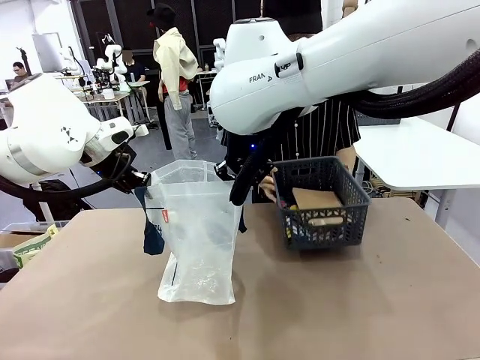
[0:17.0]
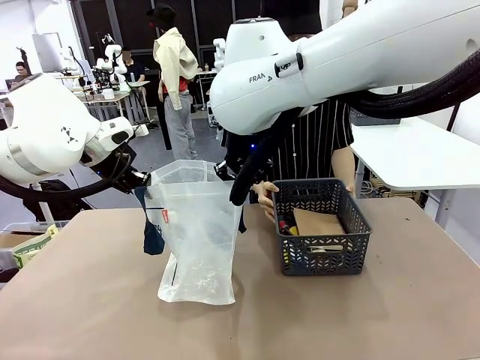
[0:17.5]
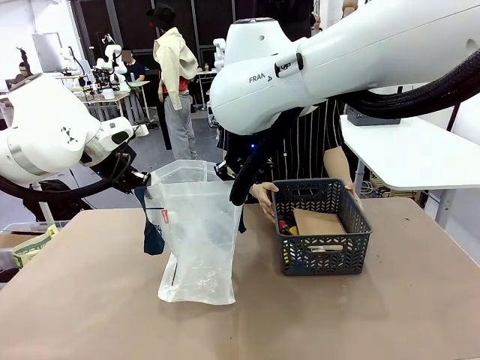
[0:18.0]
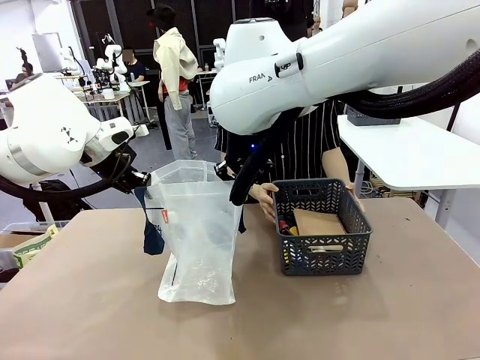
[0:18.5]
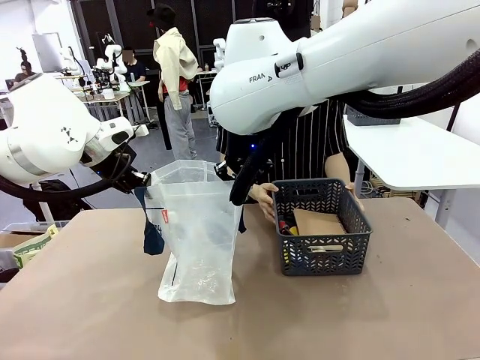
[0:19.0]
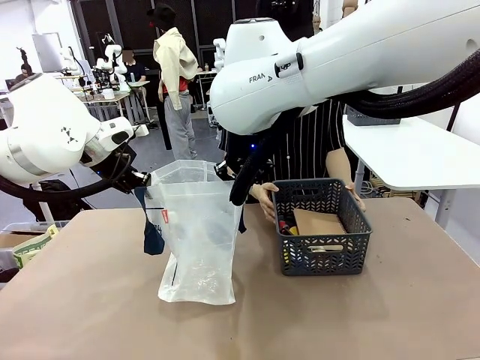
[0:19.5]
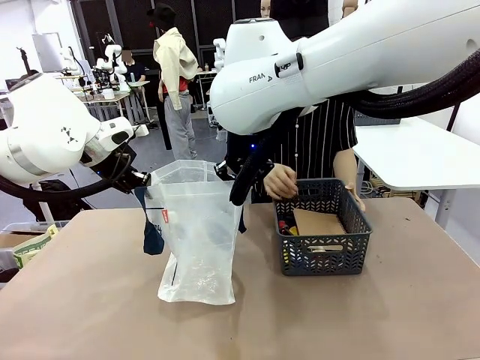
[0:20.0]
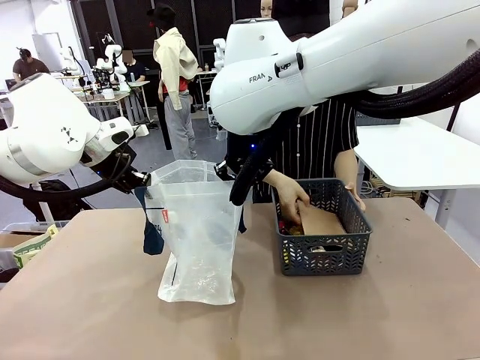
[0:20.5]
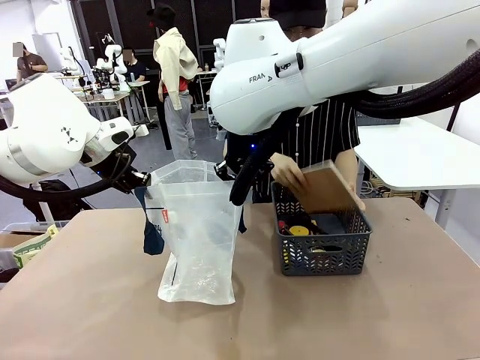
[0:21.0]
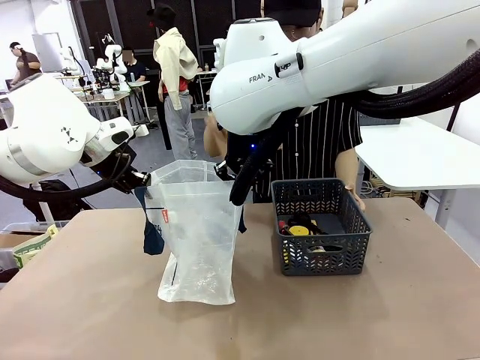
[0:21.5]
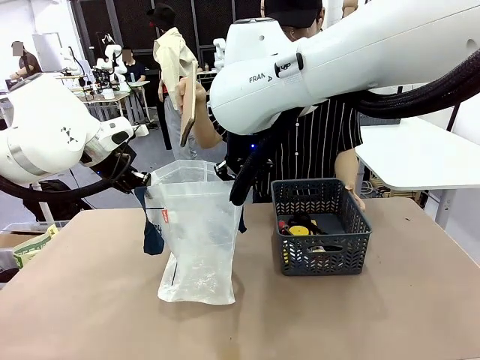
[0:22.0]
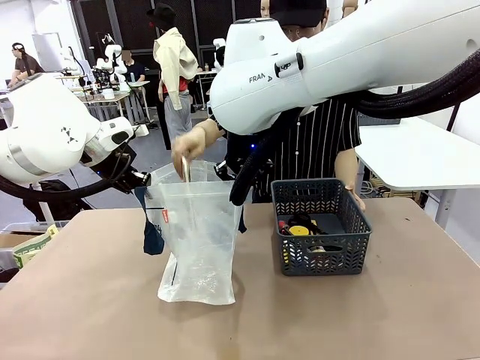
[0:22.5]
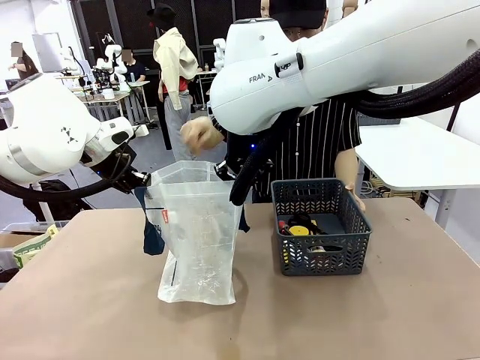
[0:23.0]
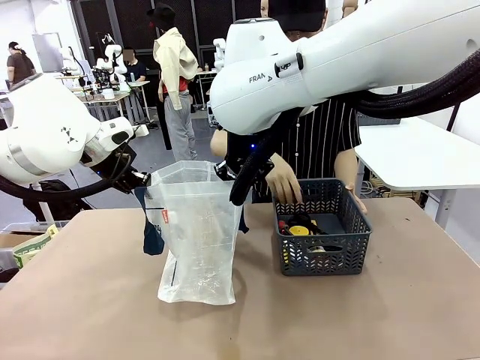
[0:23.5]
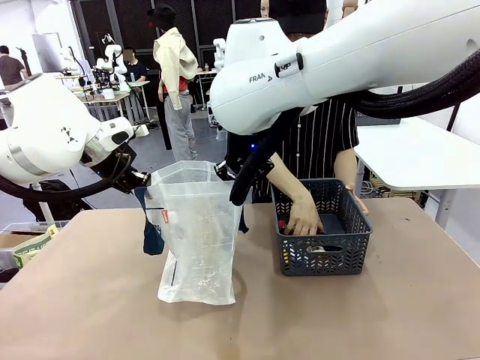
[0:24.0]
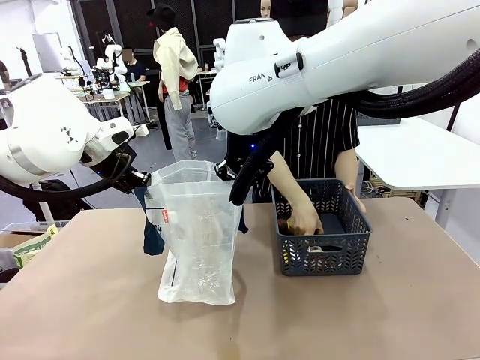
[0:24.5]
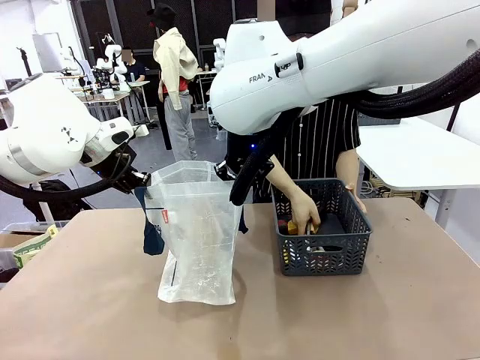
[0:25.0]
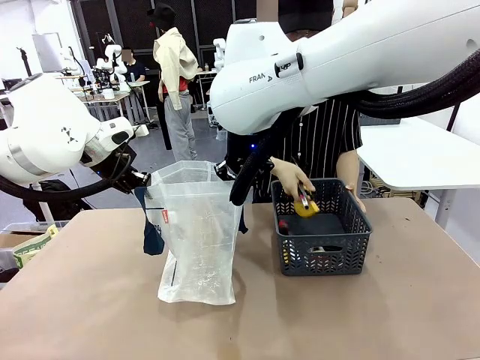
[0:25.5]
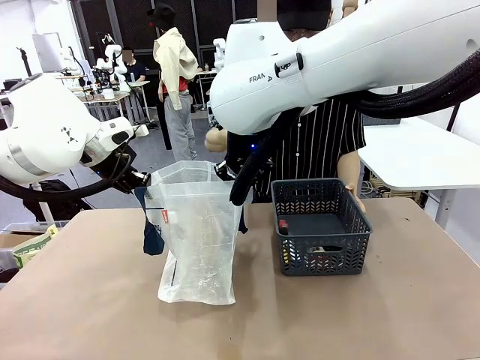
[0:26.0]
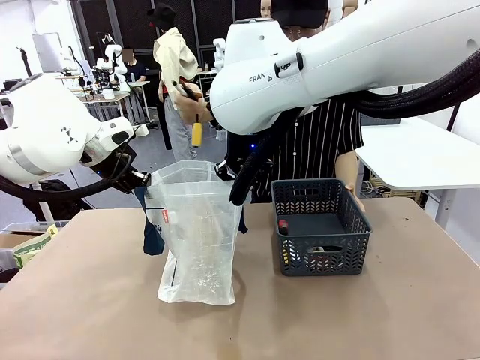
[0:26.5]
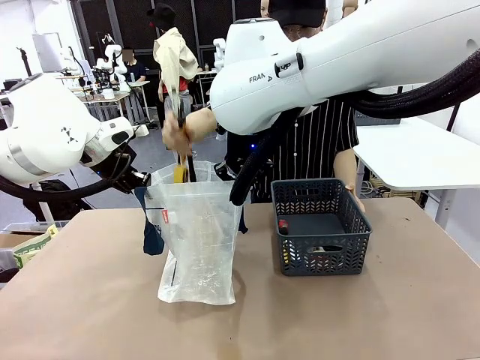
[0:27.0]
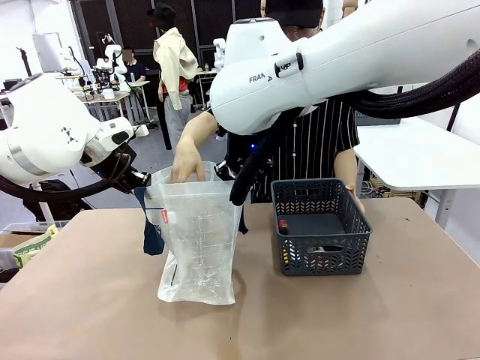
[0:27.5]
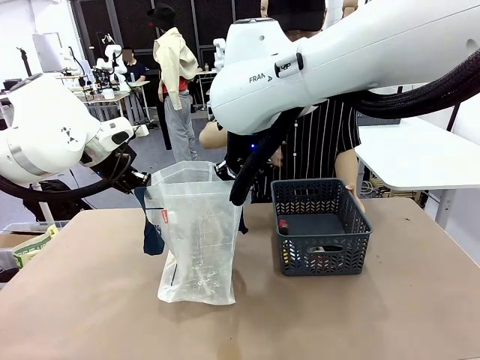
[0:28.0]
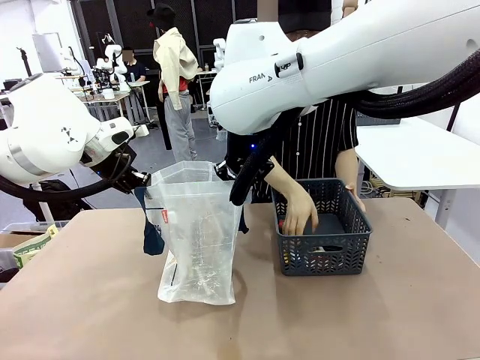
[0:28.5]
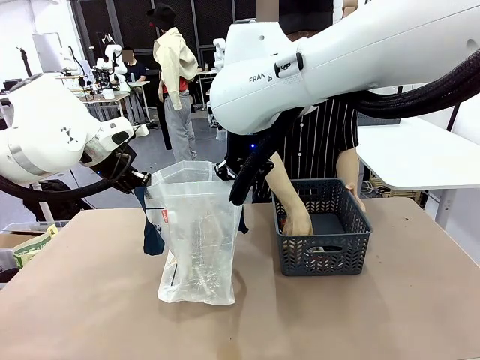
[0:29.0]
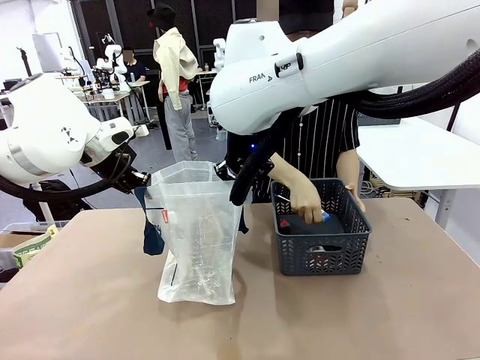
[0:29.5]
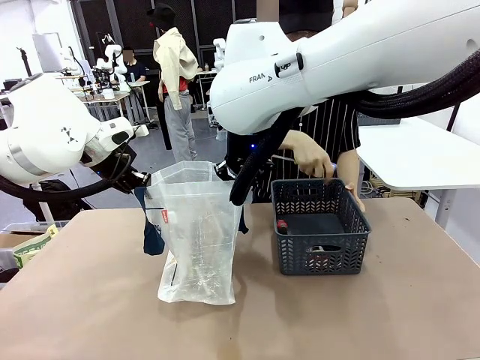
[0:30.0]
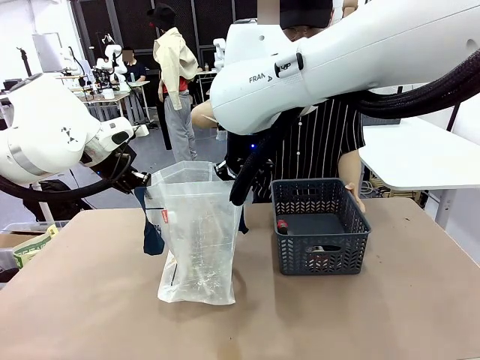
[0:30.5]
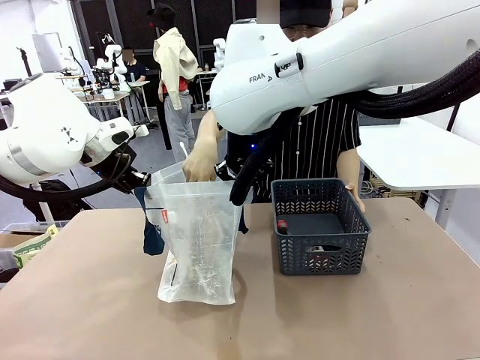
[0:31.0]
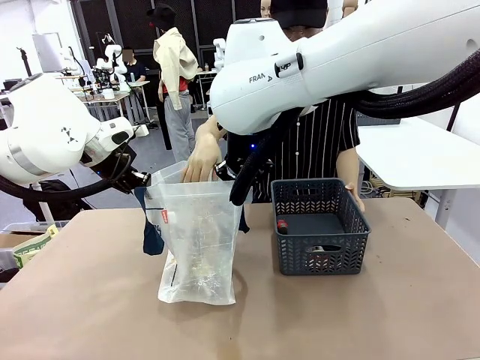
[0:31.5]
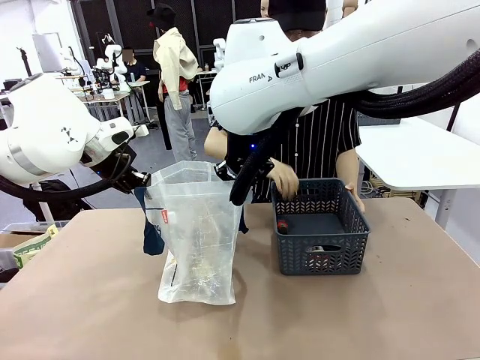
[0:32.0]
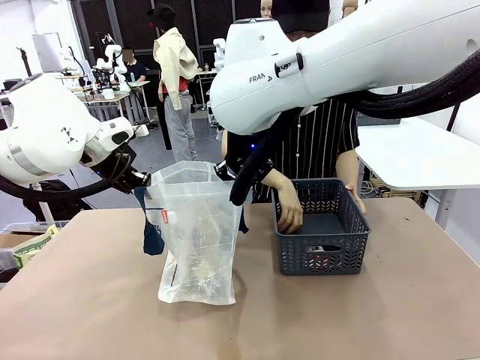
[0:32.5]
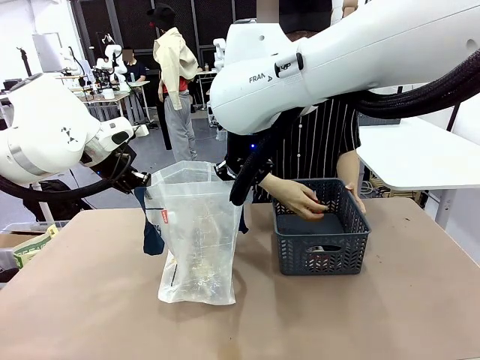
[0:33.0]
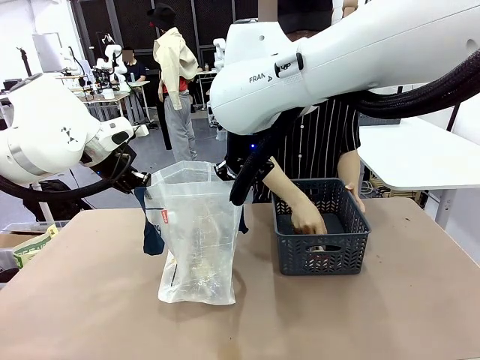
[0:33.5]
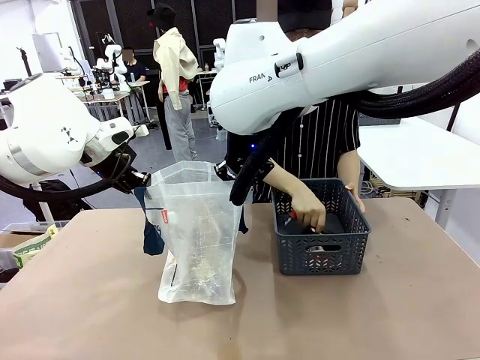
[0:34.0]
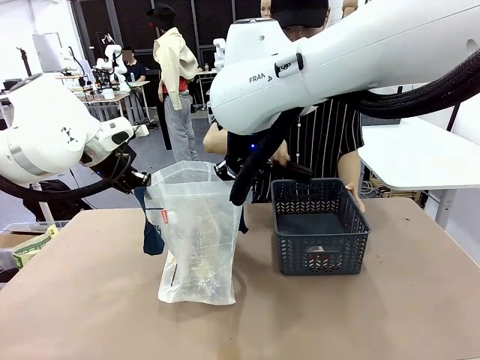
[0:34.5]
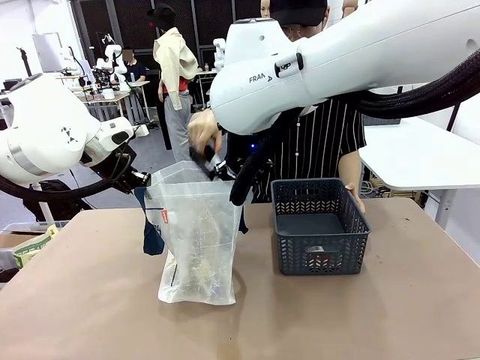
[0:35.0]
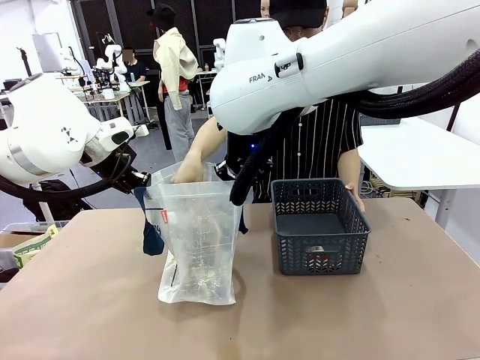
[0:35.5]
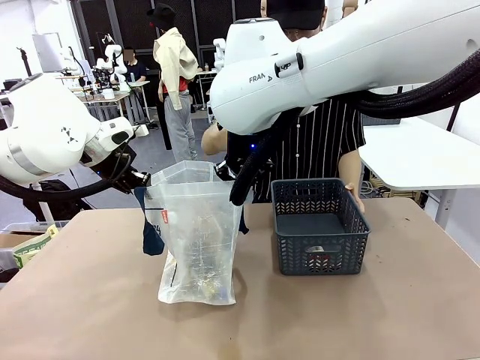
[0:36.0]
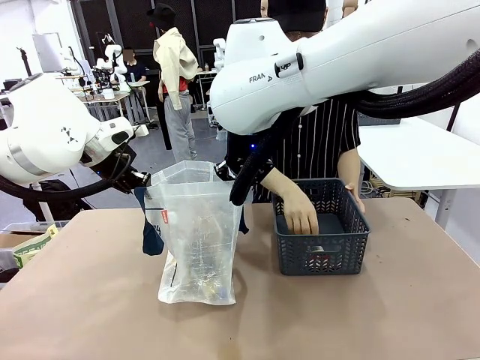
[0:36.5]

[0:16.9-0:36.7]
Task: Transfer purchased items from the store into the shopping bag.
Robot: Move the Reusable shopping bag to the right side of the table.
Person: Pick up the basket on the right, place it on the left side of the robot table, and move the items in the basket to the shopping bag.

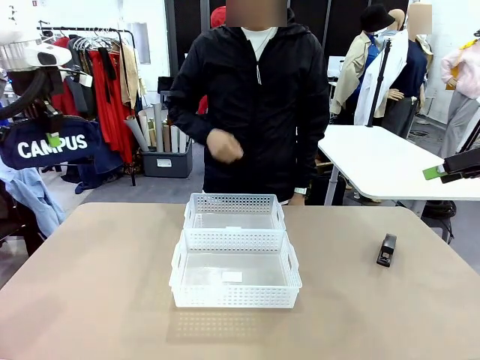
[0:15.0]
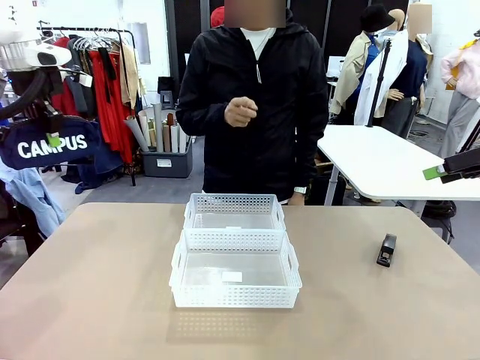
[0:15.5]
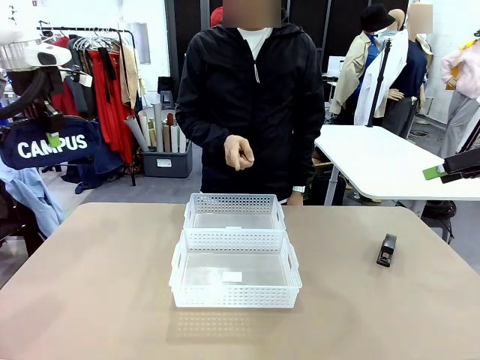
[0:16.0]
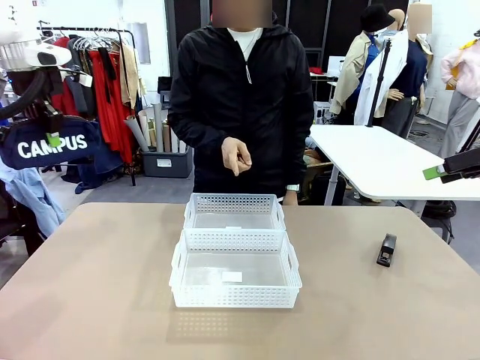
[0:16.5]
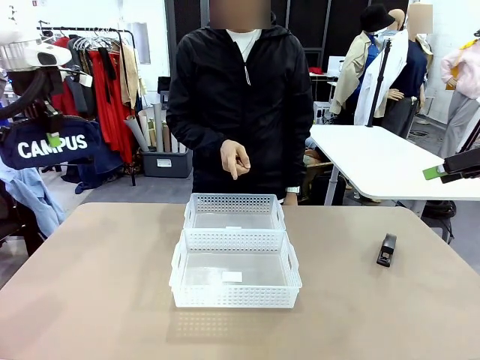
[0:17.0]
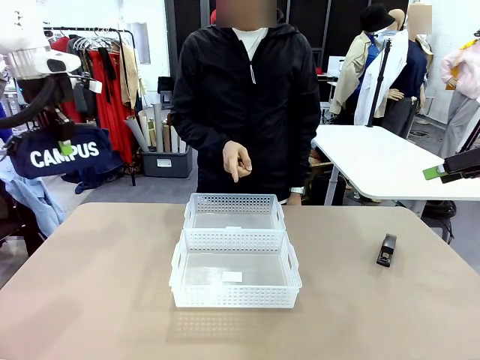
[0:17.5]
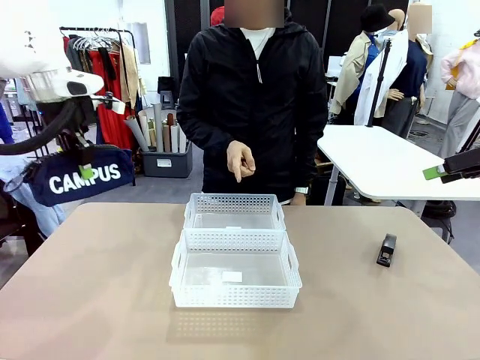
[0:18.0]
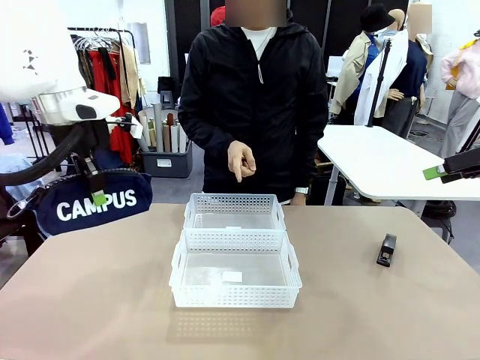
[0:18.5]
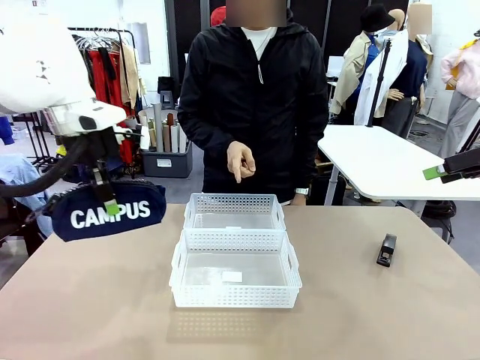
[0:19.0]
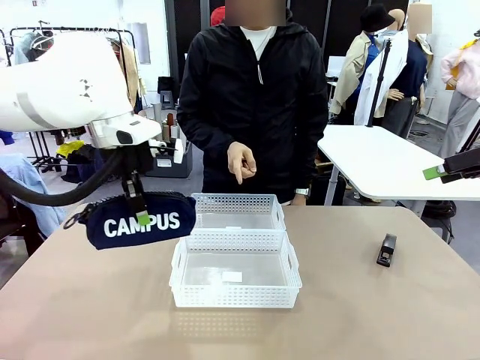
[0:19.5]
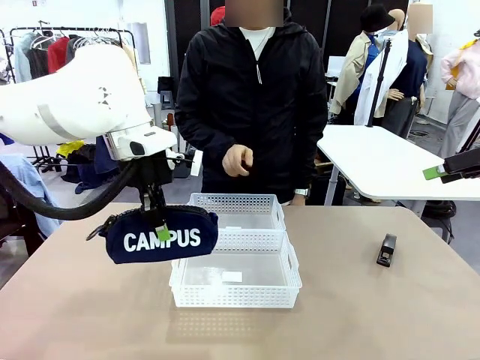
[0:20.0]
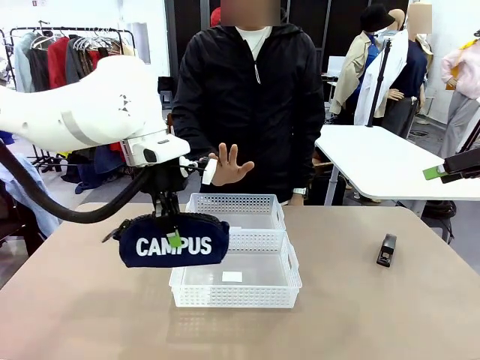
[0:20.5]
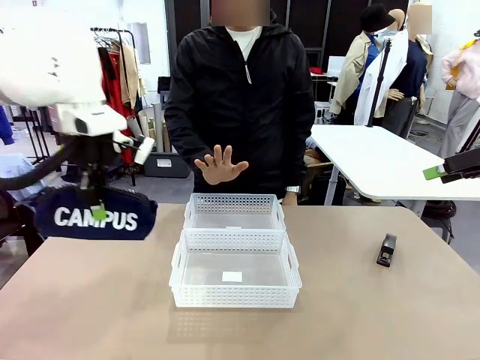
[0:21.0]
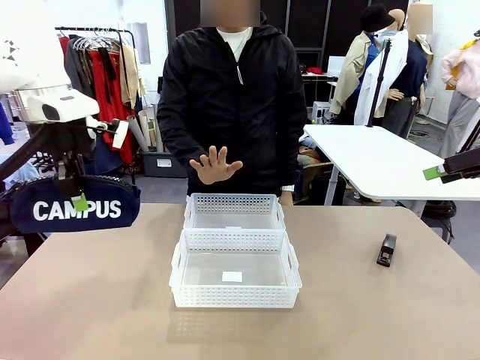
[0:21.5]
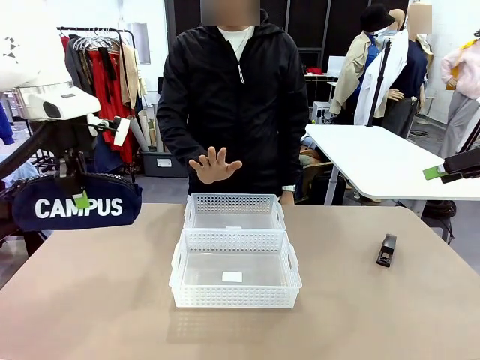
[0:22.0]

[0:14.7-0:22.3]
Task: Distribute items into two baskets.
Robot: Move the picked Pencil pouch towards the Organizing basket indicated by the person, stopping as directed.
Person: Sends a stop gesture before the robot places the pencil case into the basket.
